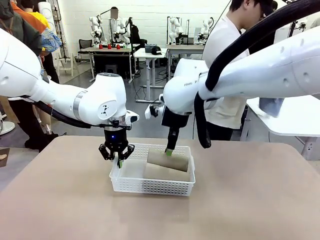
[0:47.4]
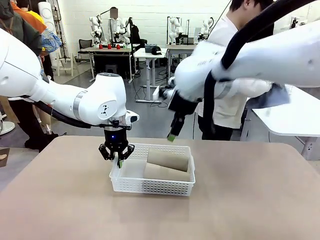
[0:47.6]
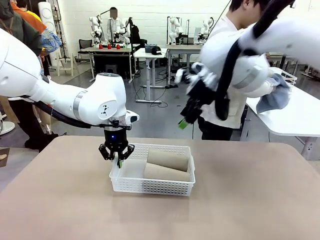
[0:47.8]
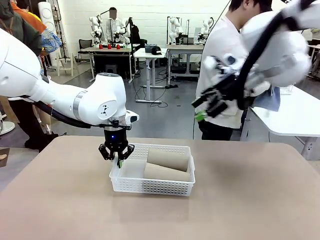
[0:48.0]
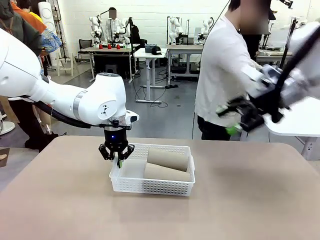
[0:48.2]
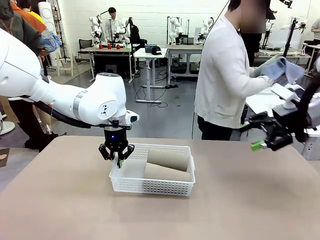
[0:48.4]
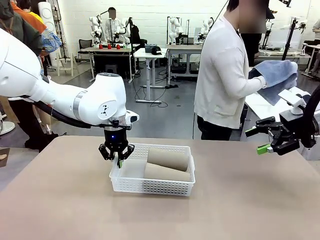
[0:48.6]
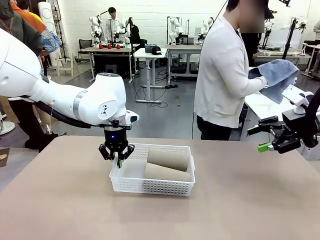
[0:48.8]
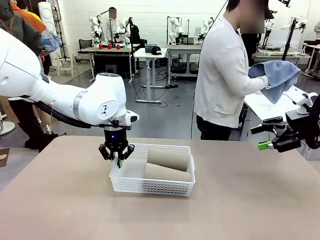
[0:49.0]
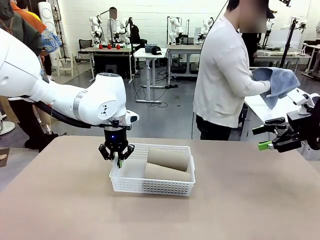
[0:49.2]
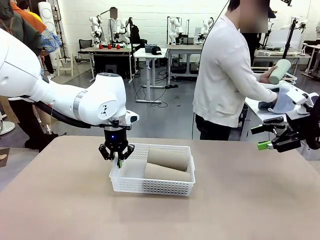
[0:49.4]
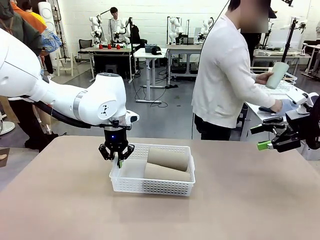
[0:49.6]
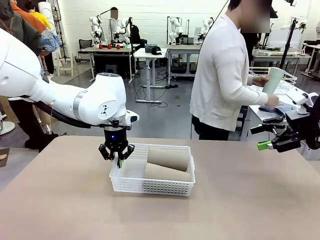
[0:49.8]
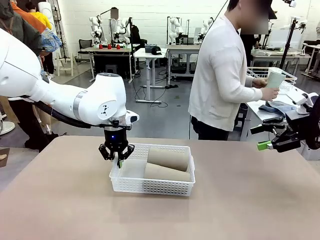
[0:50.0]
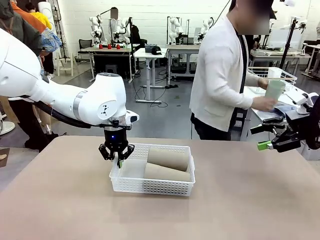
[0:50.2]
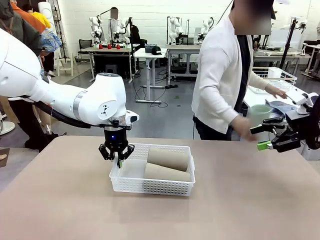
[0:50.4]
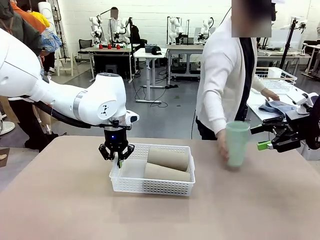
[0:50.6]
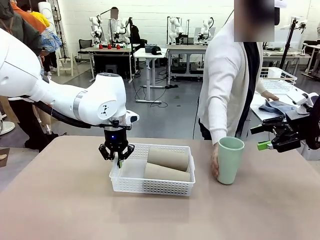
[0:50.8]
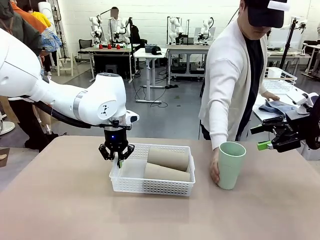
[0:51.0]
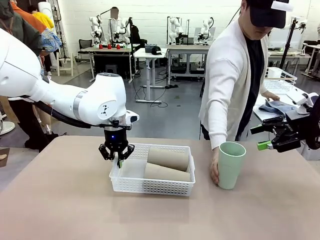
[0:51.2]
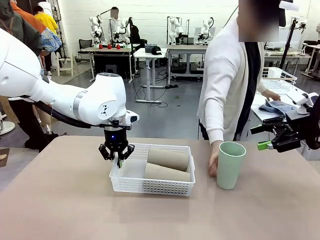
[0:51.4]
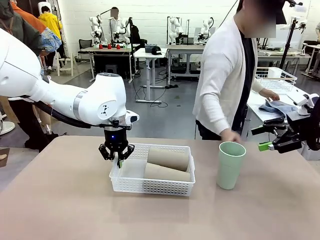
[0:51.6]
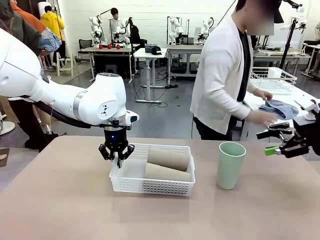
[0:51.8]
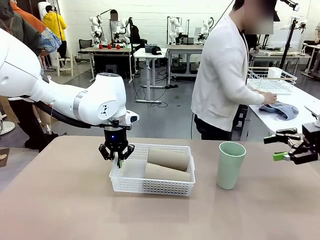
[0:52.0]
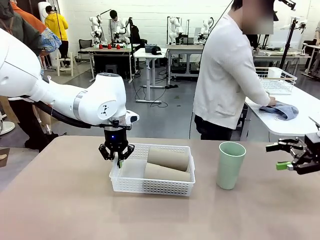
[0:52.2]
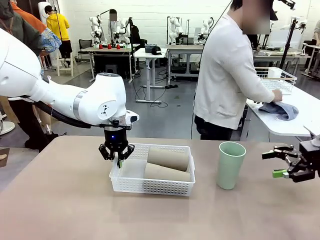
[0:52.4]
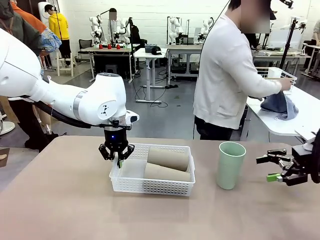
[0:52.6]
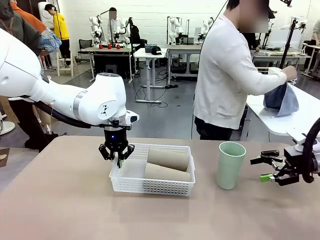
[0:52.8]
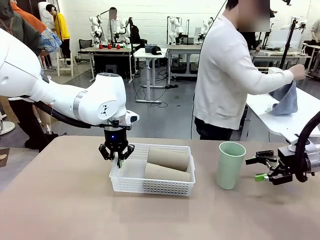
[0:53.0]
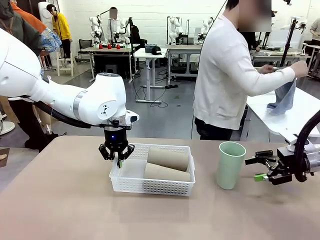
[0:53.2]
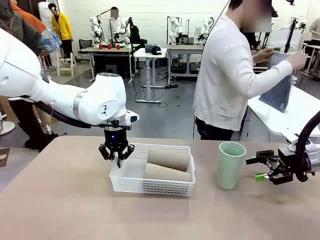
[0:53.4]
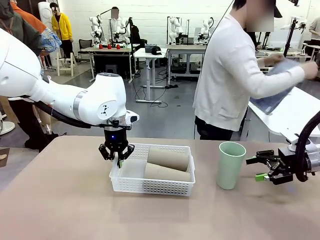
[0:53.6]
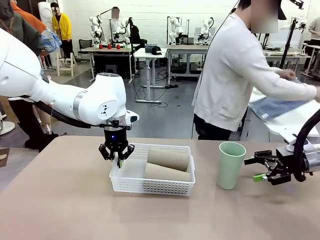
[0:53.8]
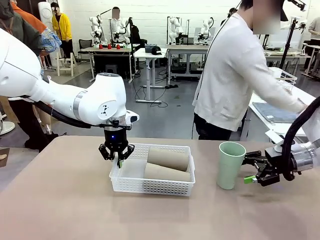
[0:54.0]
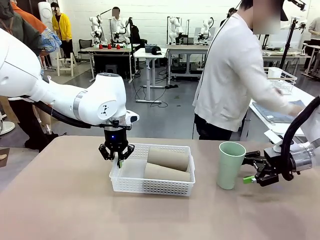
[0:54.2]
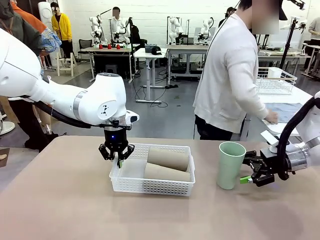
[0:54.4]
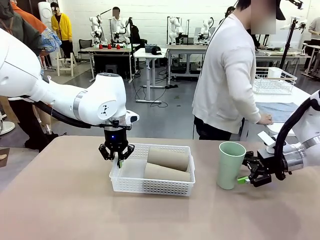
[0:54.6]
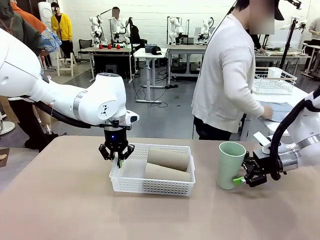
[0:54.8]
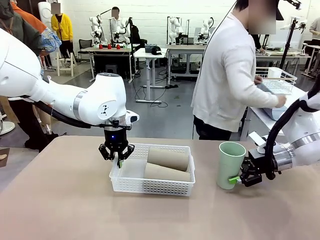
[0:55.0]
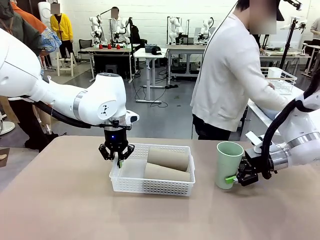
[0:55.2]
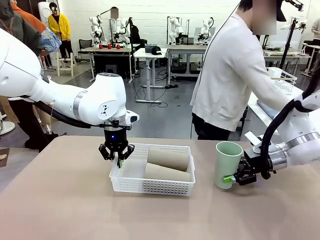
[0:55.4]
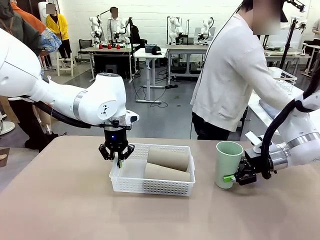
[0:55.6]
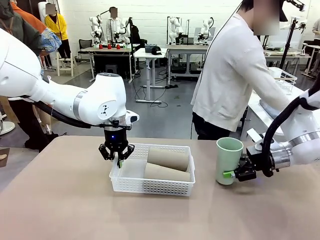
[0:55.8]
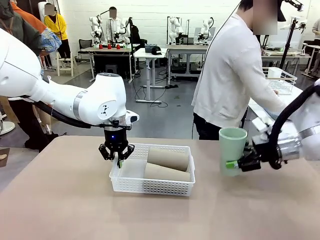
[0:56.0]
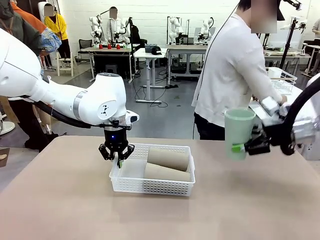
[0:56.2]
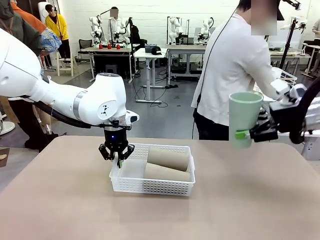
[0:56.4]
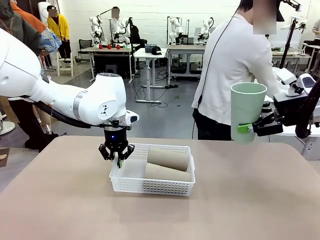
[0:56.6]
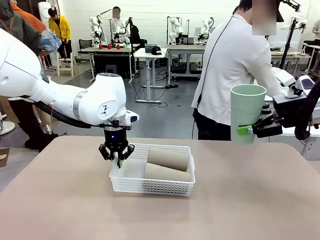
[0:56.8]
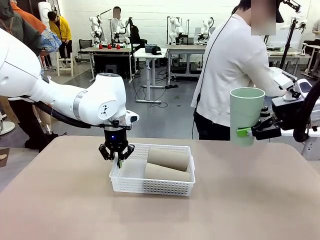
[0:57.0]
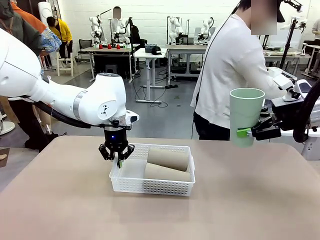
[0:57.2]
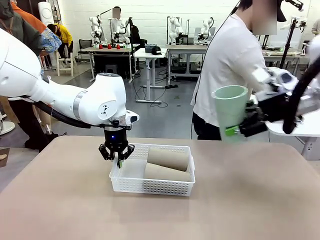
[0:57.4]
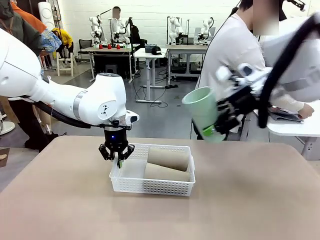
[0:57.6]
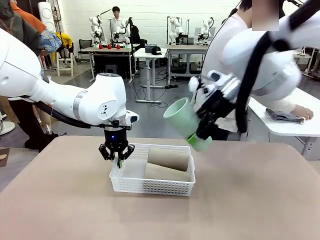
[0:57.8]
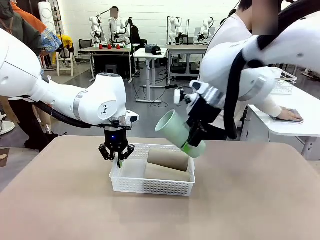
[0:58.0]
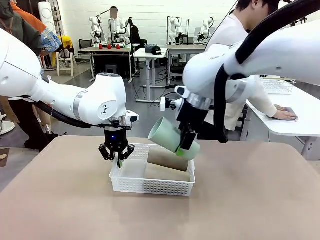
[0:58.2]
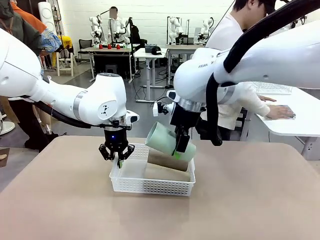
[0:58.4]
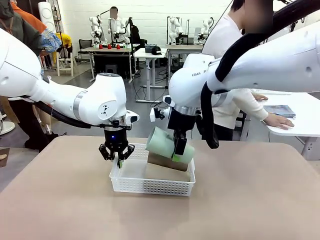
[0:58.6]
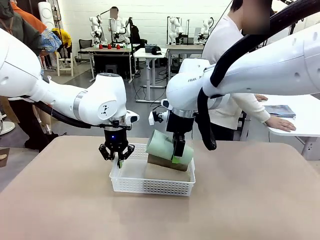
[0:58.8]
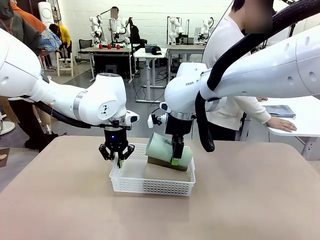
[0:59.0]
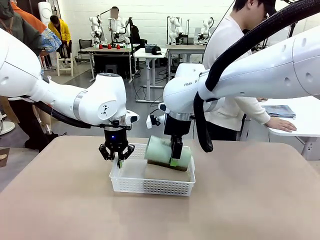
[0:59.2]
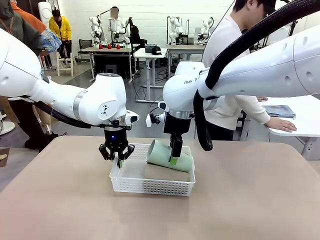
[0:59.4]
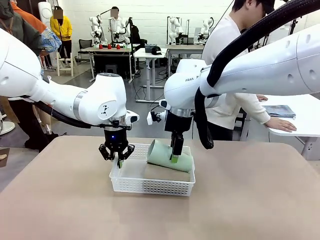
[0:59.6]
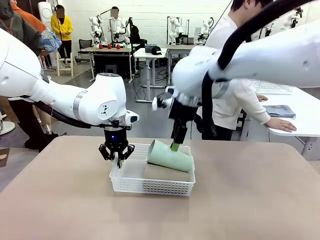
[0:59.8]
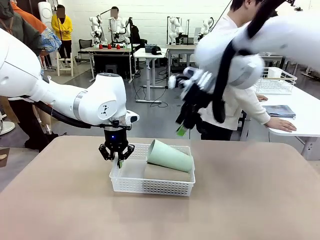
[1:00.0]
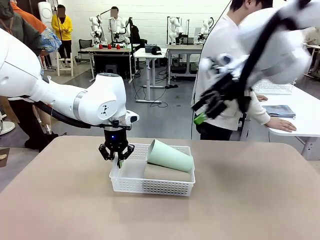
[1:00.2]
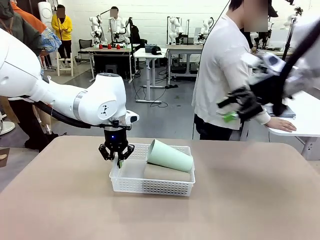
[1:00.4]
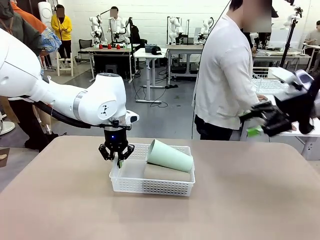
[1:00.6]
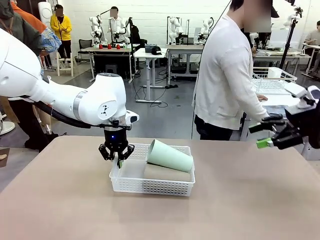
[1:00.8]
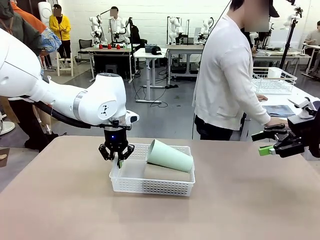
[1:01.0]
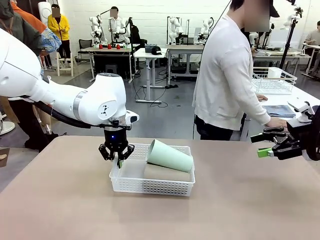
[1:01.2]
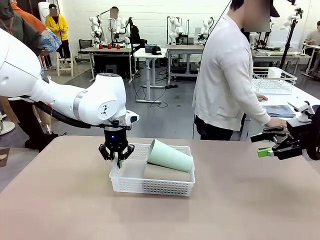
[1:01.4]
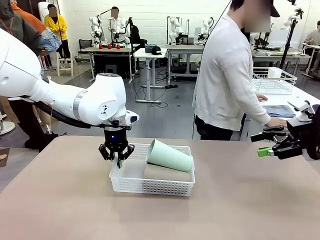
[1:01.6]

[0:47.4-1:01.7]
Task: Clean and organize the cups into the basket.
Robot: Pick up the Reusable plastic cup from the right side of the table and stack it inside the Organizing basket in the center of the table.

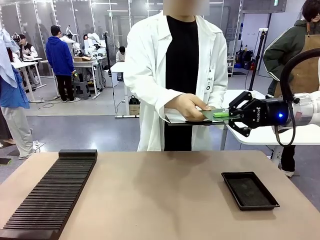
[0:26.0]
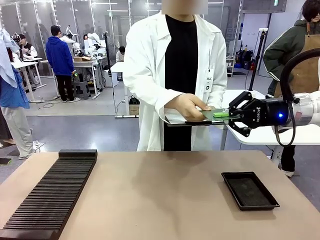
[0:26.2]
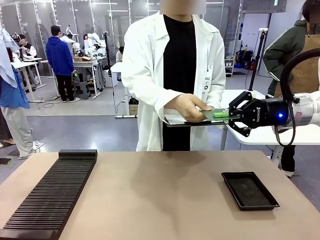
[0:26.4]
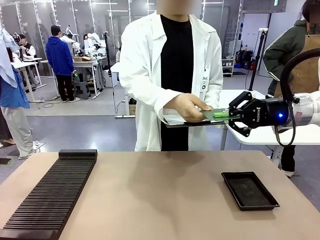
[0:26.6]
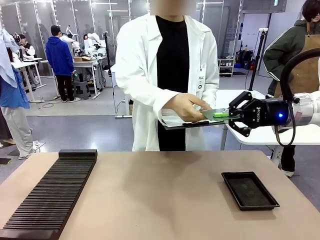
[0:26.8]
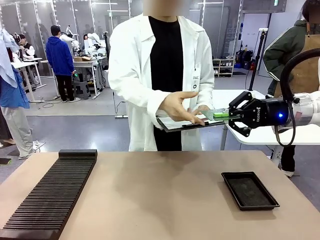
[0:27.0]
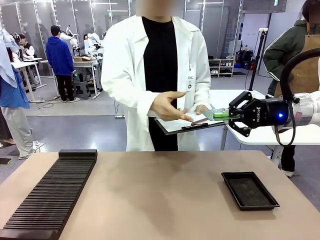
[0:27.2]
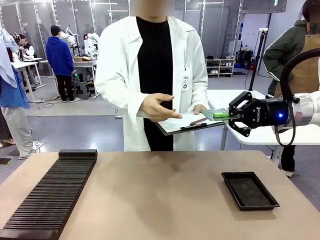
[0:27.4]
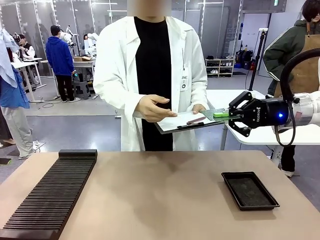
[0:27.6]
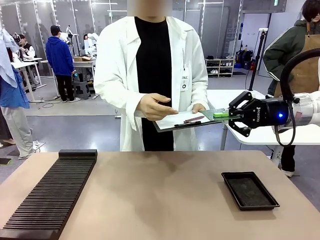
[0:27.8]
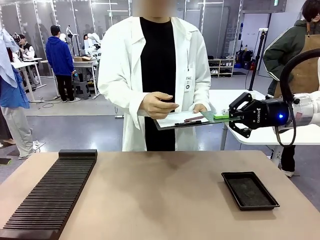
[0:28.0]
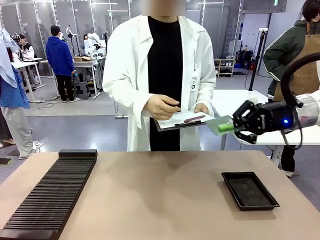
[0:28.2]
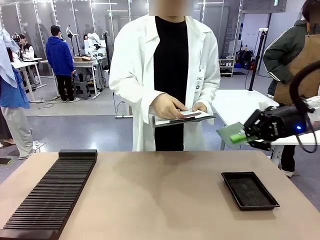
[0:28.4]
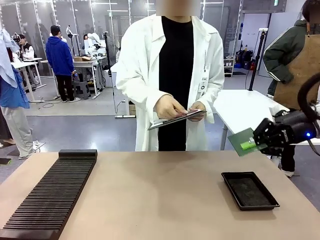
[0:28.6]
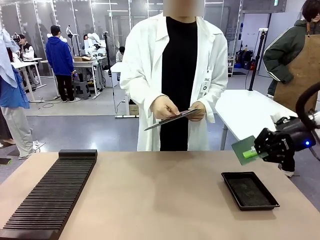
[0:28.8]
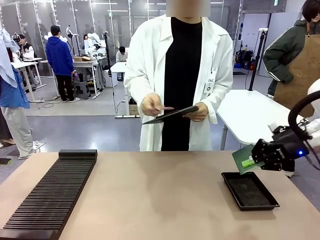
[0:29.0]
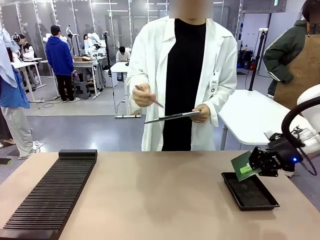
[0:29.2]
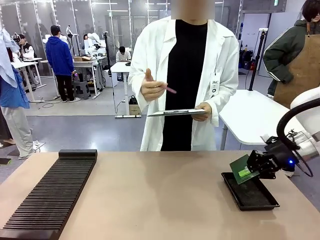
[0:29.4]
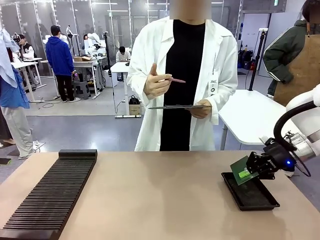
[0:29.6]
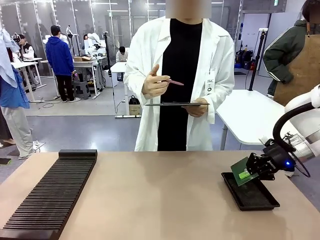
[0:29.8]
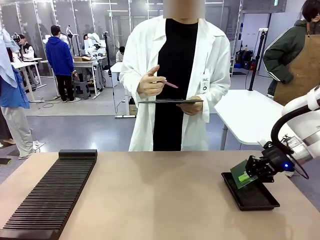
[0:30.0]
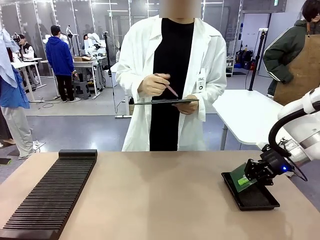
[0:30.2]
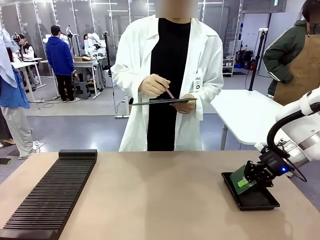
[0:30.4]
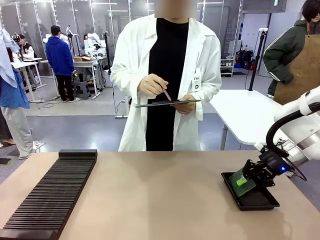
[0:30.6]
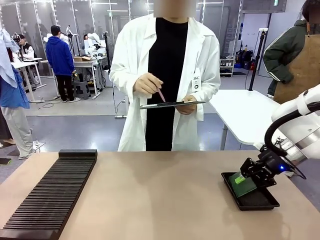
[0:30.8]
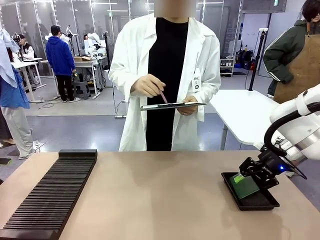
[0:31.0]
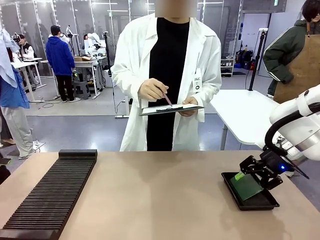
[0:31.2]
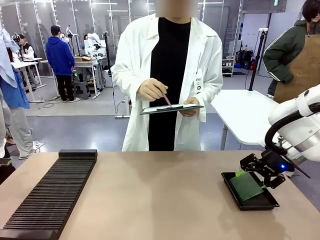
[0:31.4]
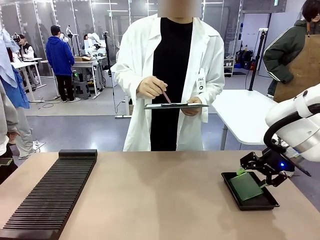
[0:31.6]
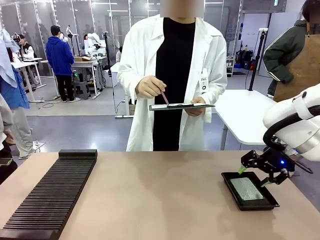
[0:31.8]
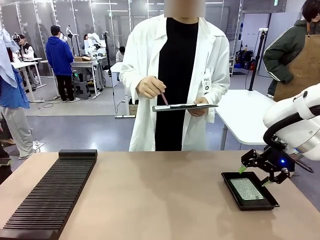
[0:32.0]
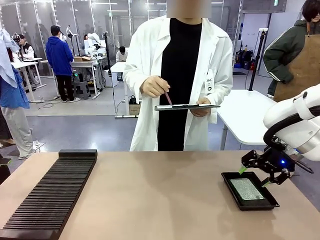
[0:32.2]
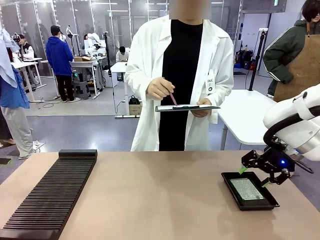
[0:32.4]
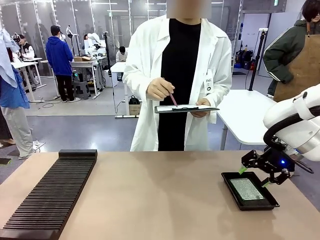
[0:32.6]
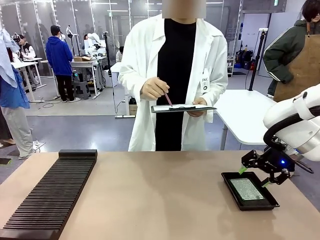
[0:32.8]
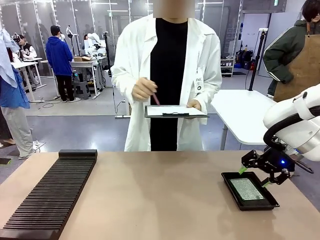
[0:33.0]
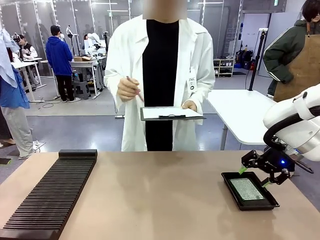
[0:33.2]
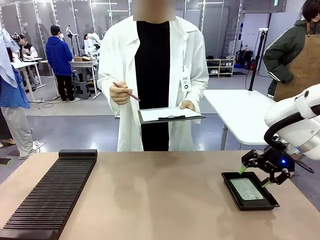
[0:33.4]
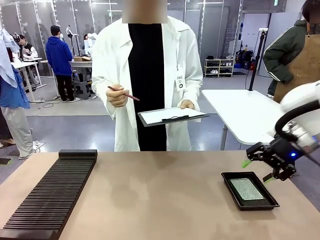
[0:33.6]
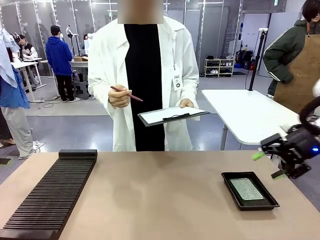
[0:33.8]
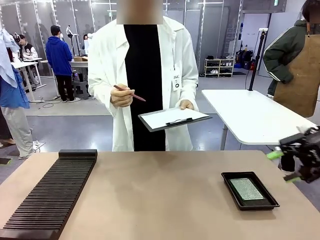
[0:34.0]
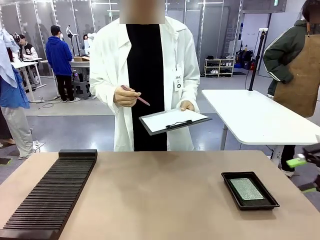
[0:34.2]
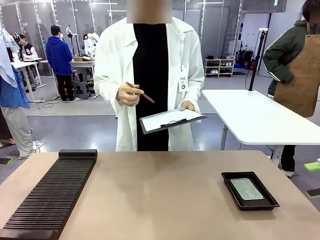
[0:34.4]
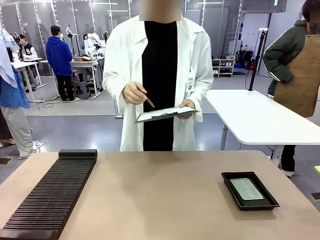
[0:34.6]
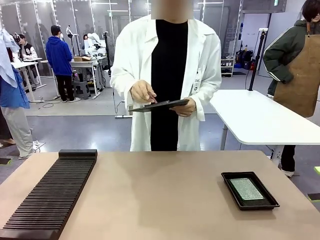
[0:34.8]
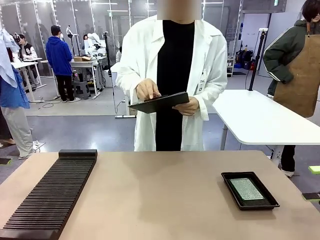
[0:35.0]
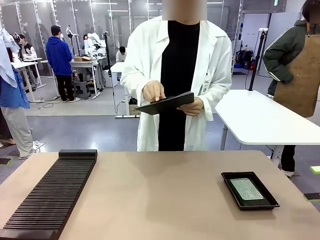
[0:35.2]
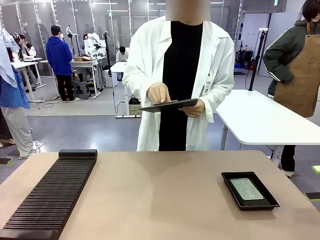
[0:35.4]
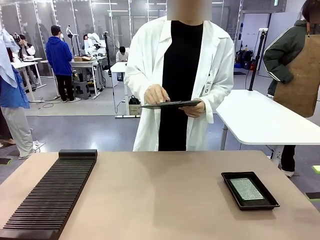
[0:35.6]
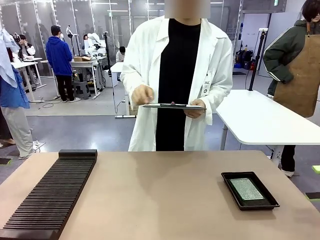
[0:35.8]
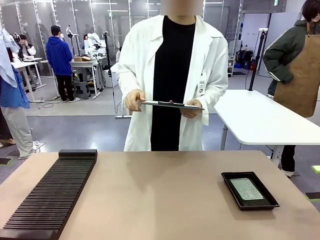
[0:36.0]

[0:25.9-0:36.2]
Task: Inspect the PCB.
Robot: Place the Blank PCB in the ESD tray.
Person: Record the PCB status on the paper.
